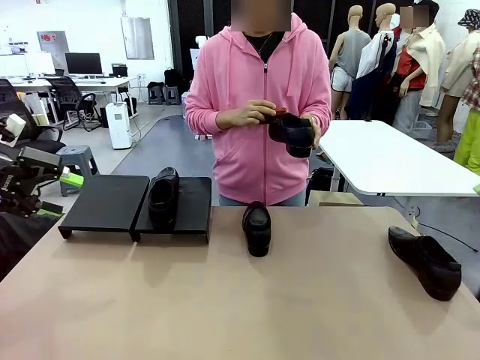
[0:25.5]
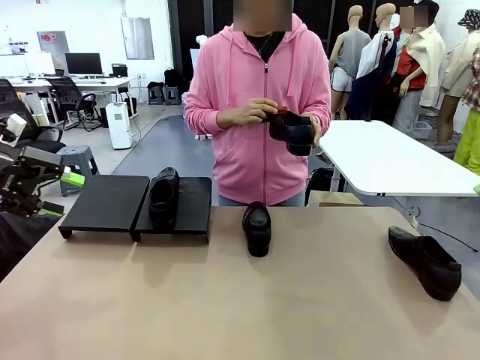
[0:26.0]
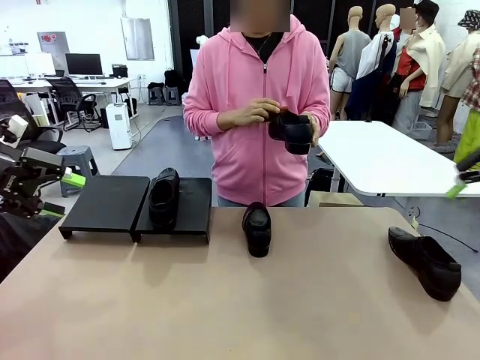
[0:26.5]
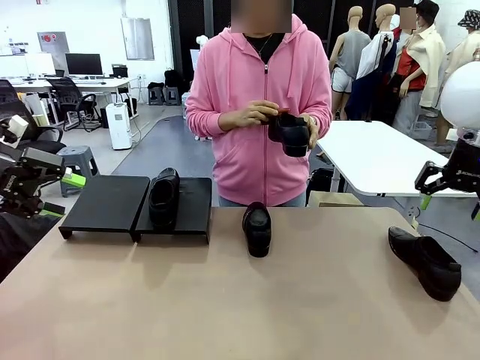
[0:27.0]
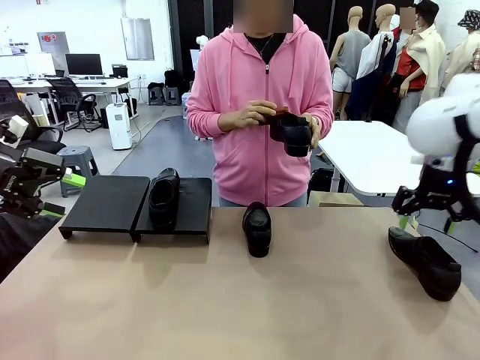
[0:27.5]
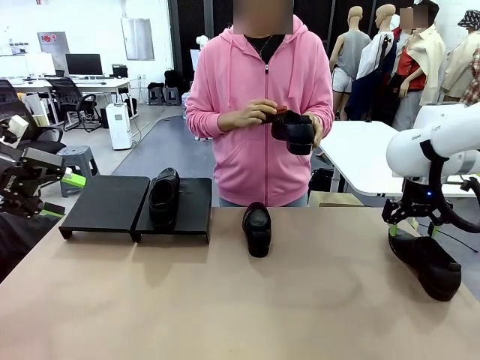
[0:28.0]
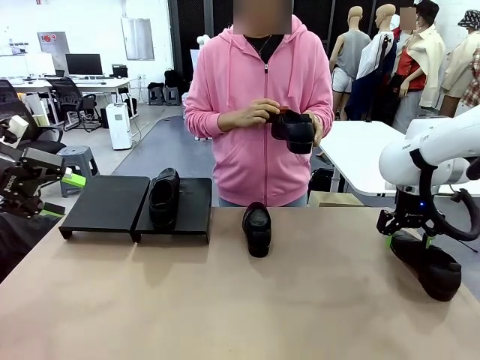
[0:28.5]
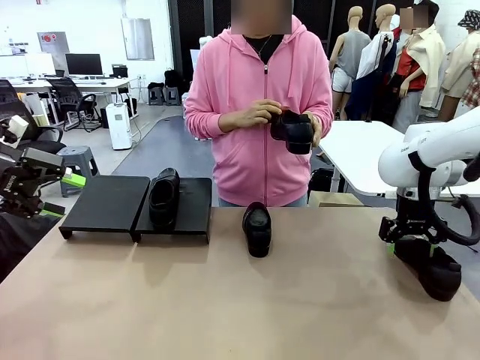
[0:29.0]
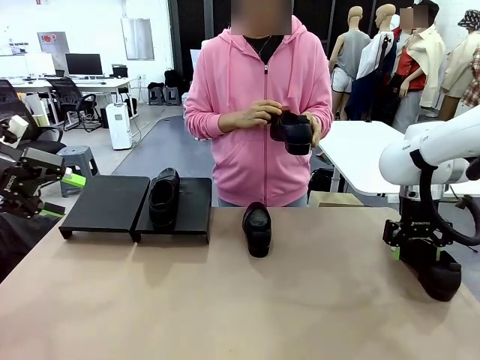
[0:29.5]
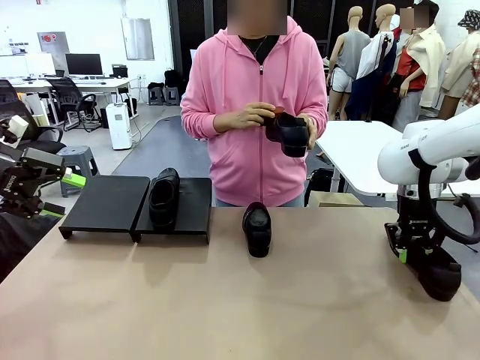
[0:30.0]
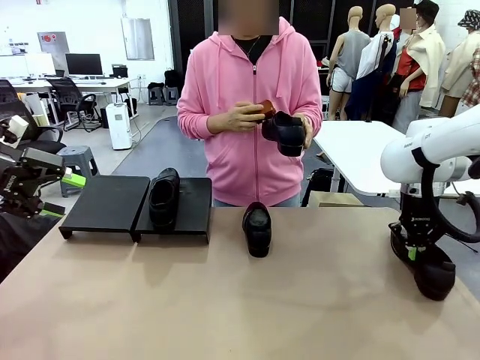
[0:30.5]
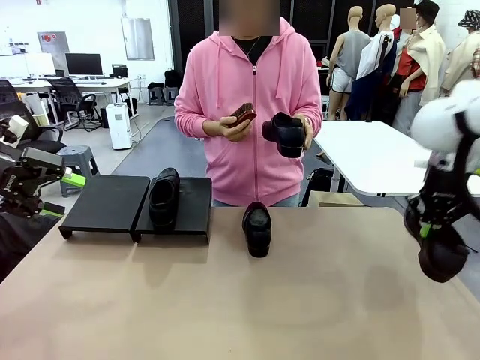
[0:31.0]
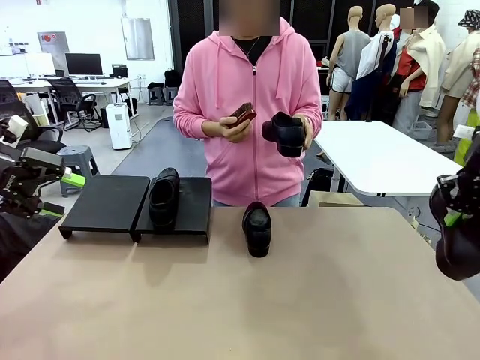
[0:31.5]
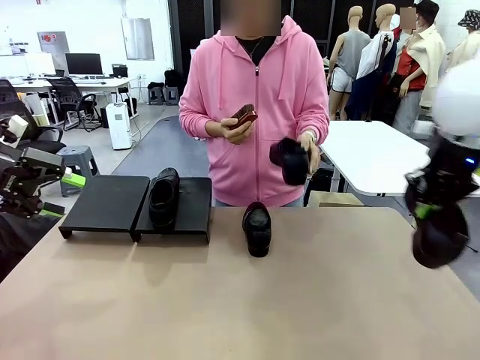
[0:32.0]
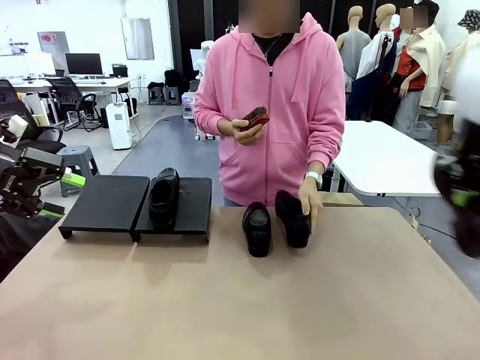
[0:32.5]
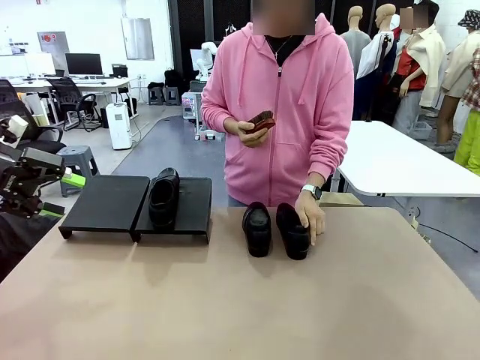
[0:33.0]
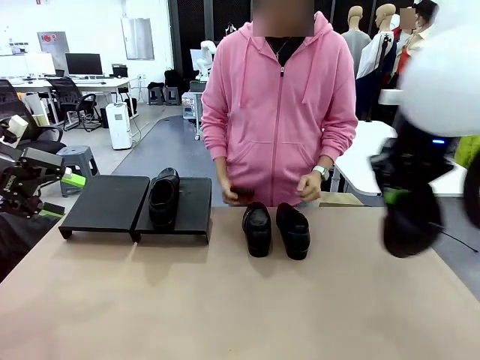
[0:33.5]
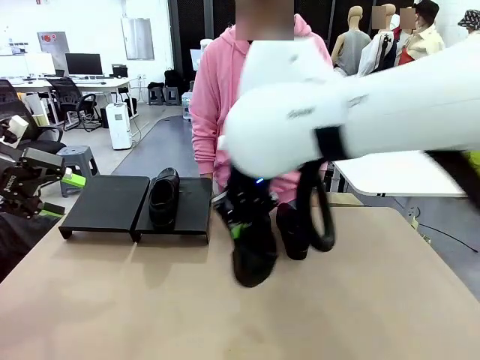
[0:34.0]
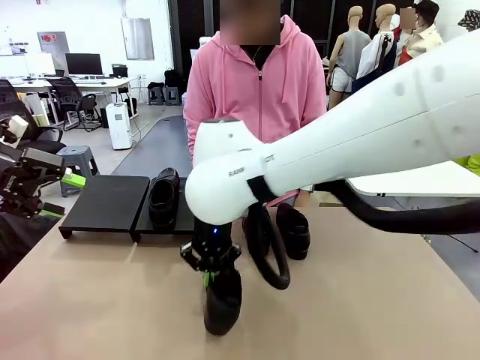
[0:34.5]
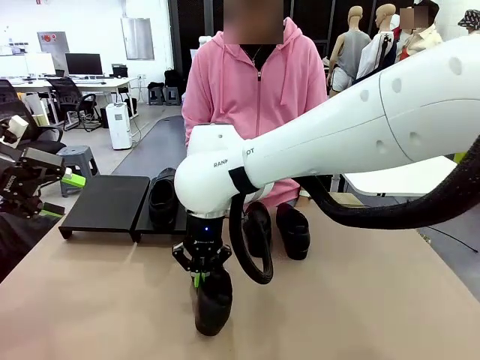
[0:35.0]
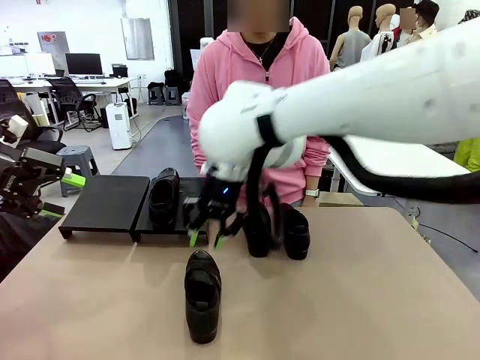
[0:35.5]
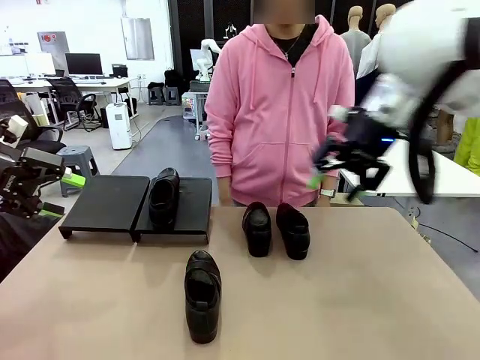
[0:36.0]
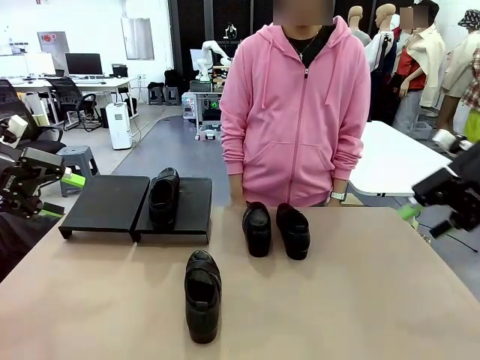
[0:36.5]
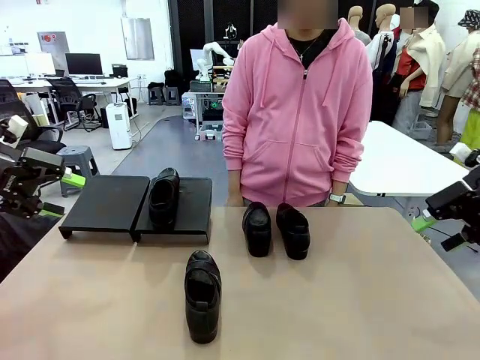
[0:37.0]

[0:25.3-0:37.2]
Task: Organize the shoes by placing them on the stand.
Robot: Pick up one Shoe and place it in the middle of the table.

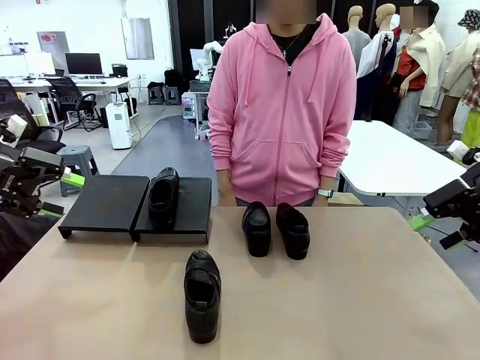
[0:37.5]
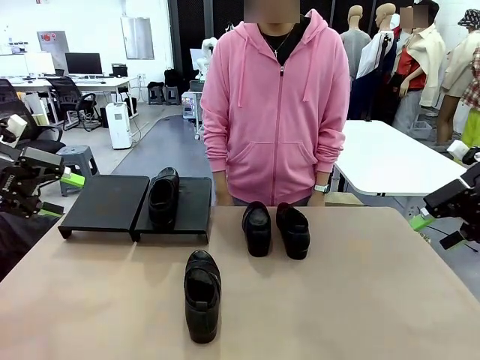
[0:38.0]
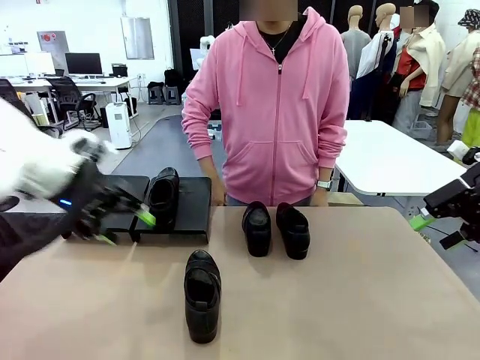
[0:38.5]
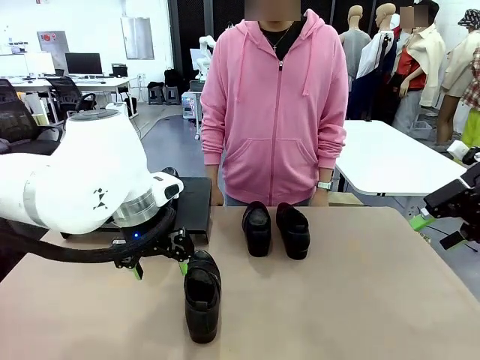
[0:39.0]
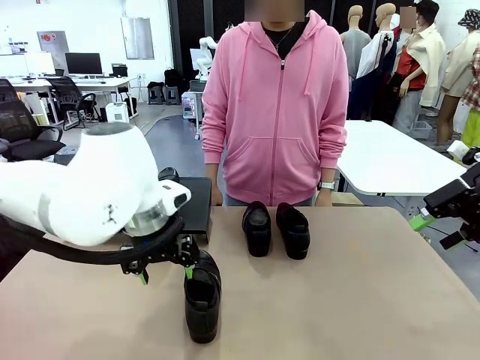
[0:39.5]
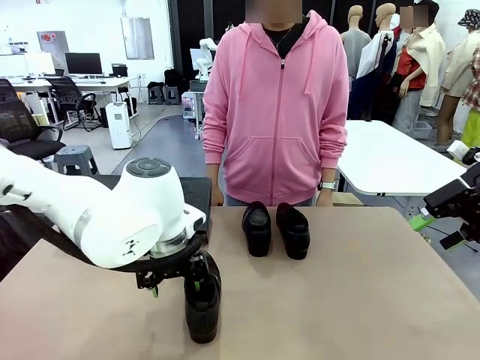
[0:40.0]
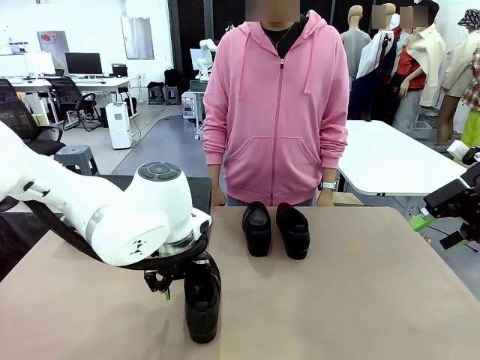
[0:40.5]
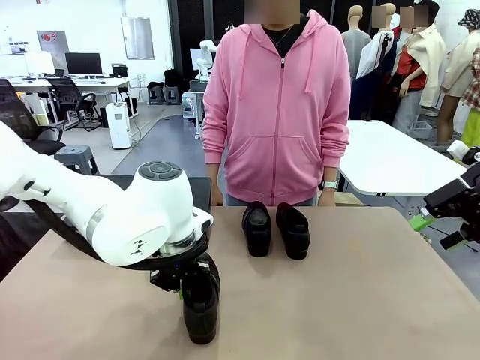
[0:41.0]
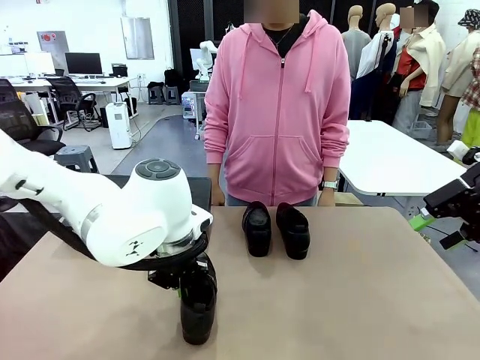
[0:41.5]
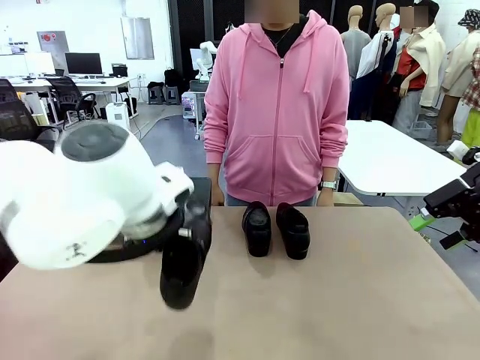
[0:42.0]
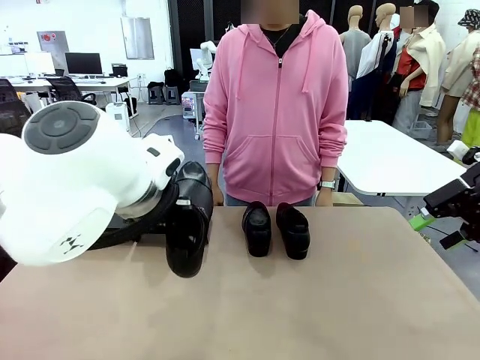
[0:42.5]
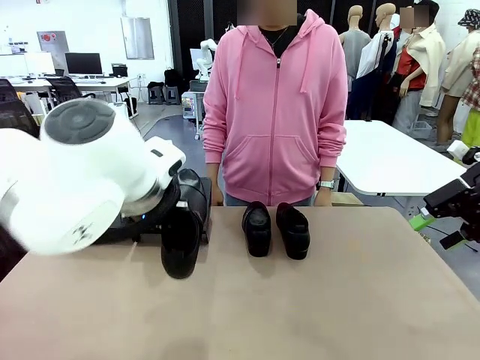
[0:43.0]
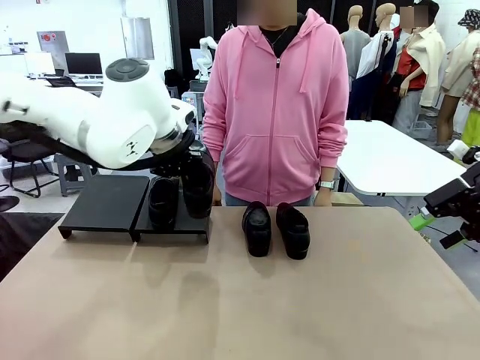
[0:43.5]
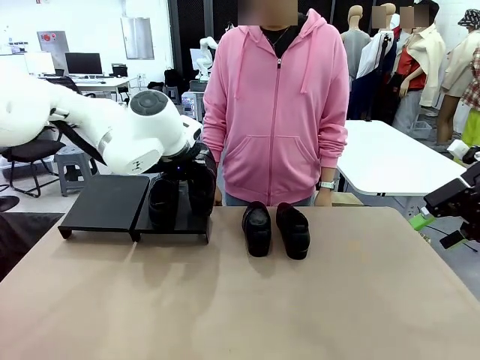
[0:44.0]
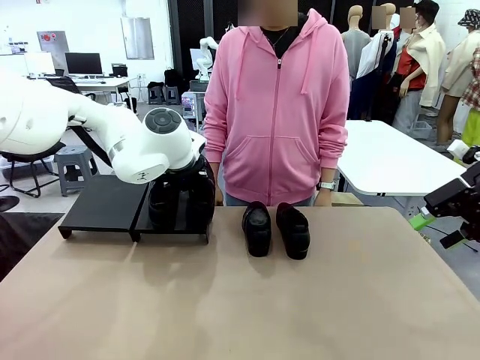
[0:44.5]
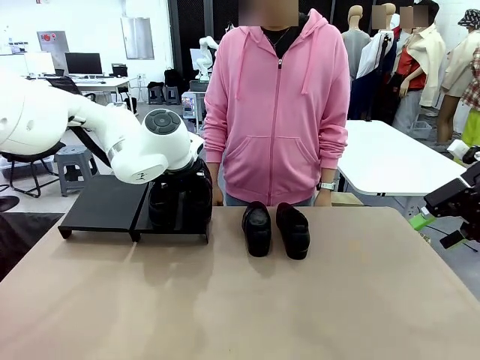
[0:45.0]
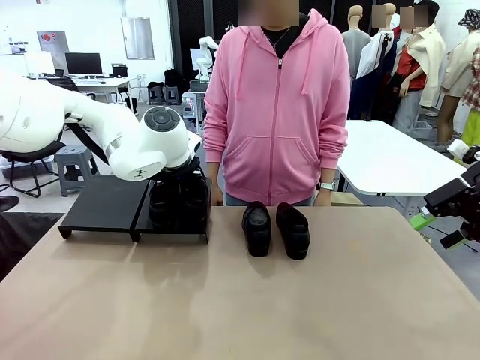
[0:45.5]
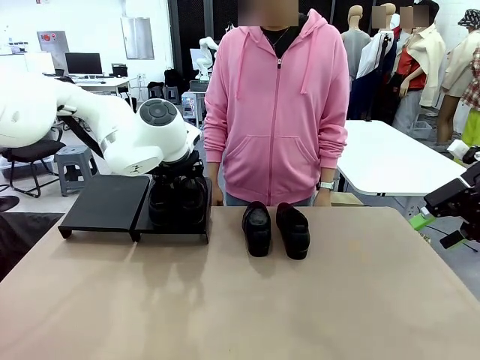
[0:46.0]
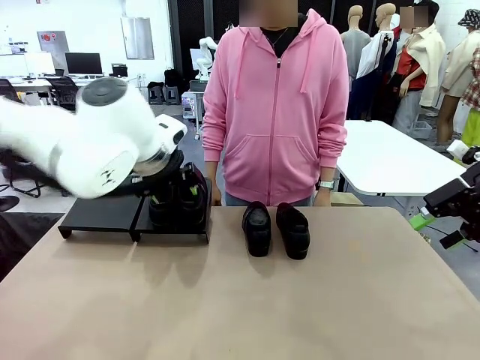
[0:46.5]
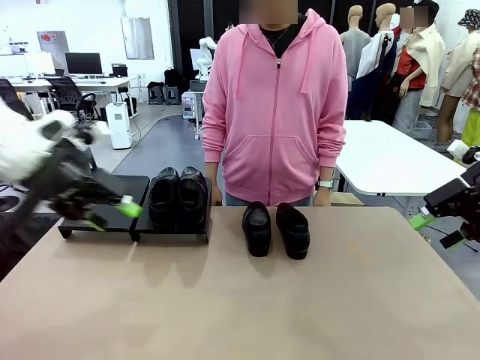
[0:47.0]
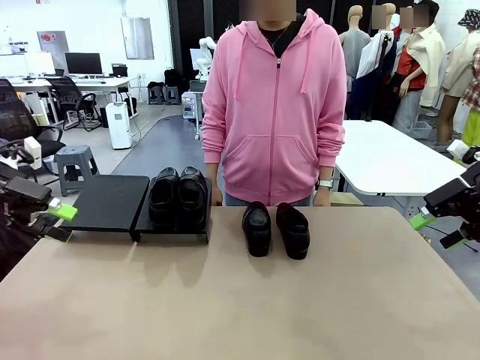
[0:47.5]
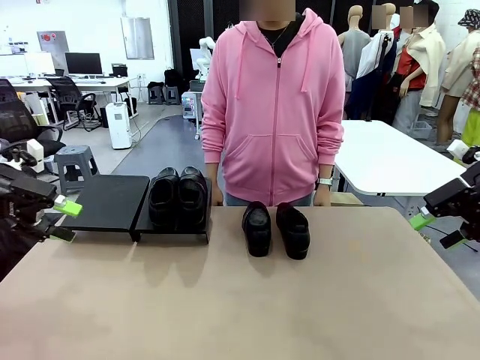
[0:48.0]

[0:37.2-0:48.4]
Robot: Place the Shoe from the middle of the table onto the Shoes Stand.

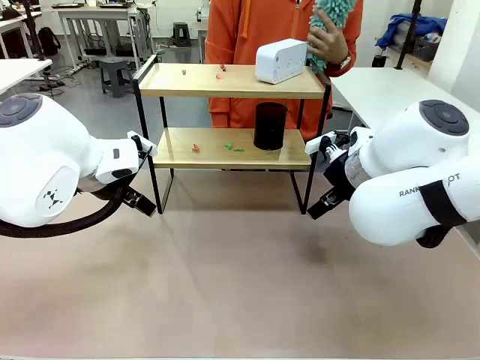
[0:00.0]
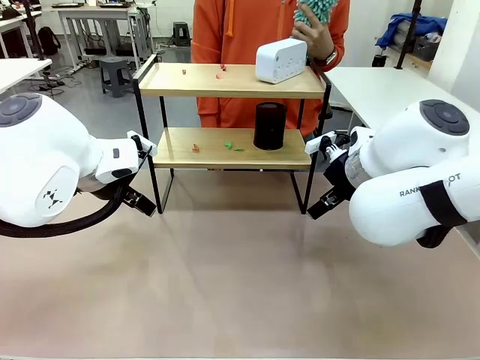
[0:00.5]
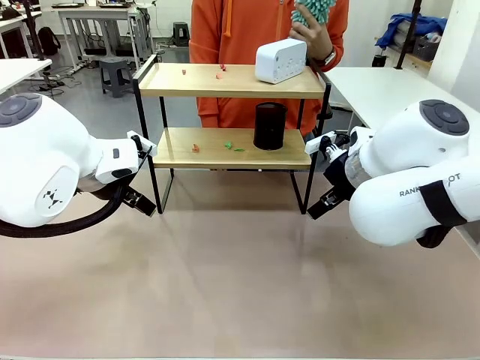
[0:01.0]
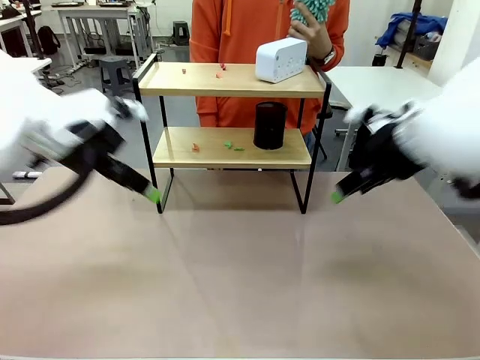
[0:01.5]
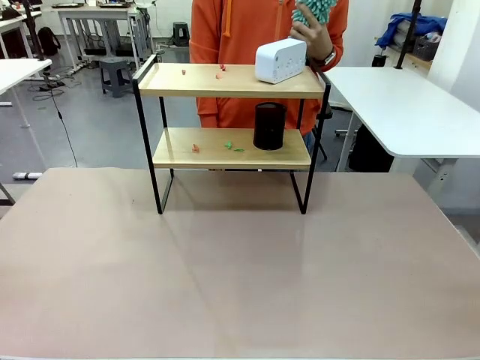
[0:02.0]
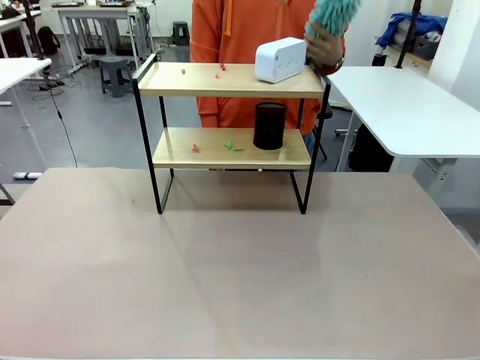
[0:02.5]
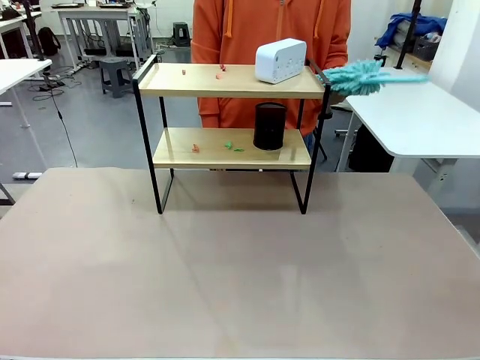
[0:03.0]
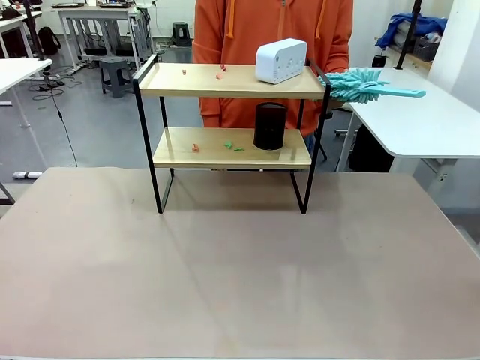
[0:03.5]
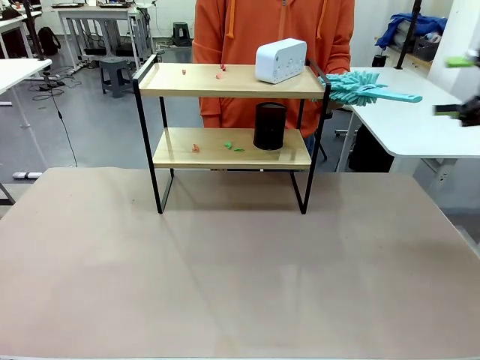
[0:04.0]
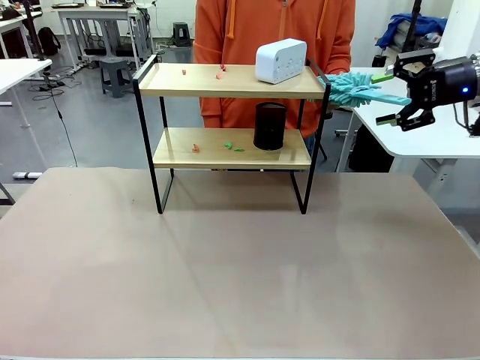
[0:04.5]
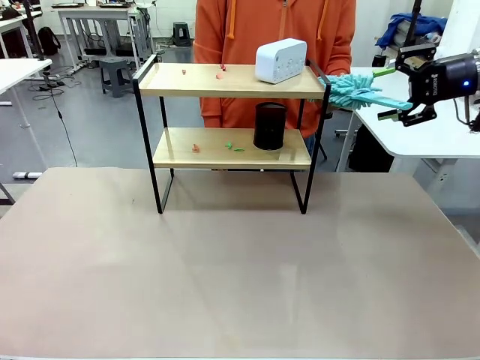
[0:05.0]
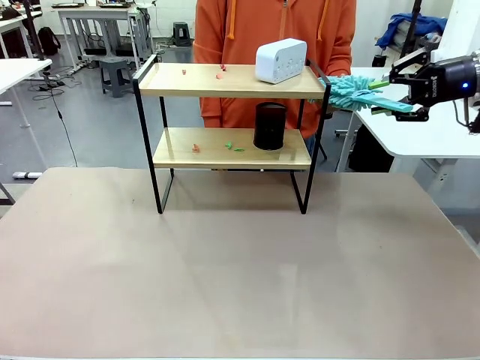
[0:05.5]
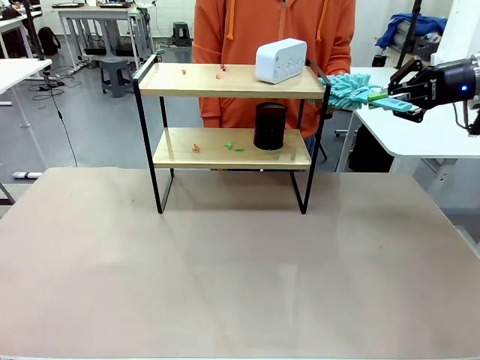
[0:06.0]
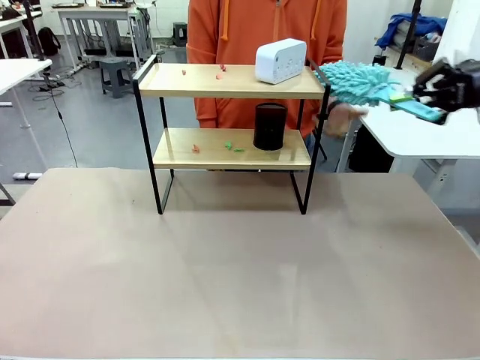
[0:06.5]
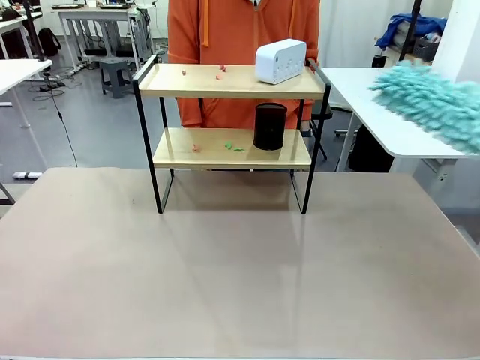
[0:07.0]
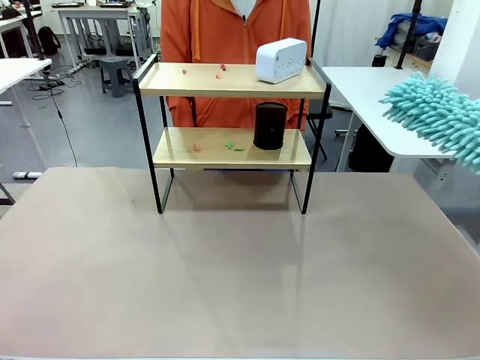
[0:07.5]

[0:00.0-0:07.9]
Task: Clean the shelf.
Robot: Pick up the Duster from the human.
Person: Hand the Duster to the robot.
